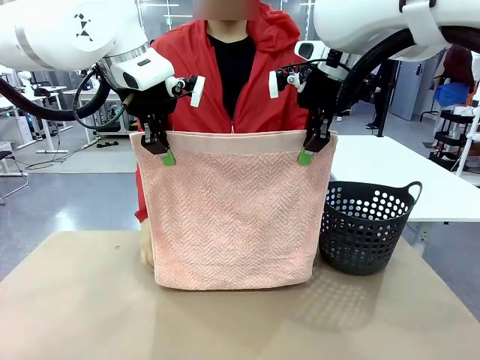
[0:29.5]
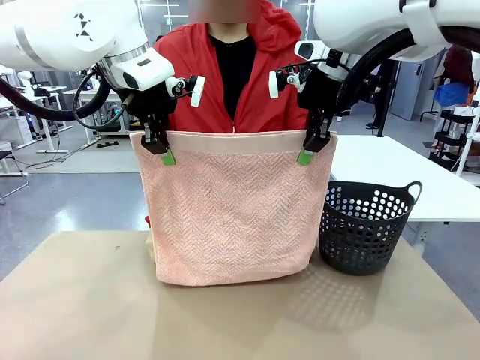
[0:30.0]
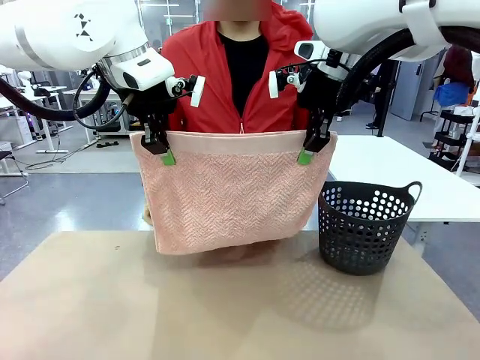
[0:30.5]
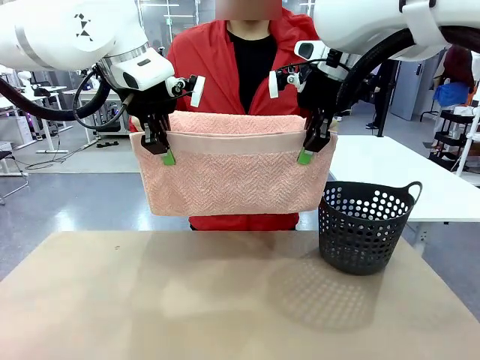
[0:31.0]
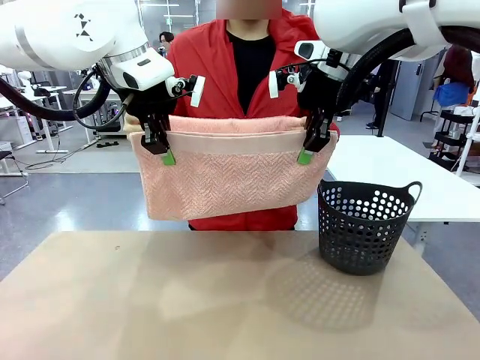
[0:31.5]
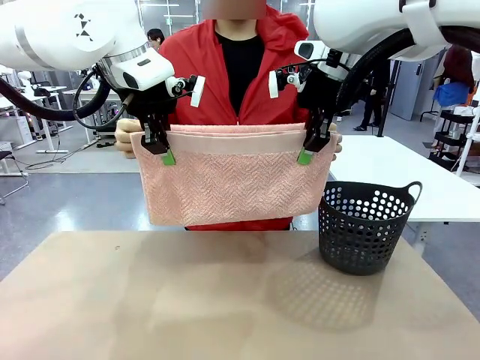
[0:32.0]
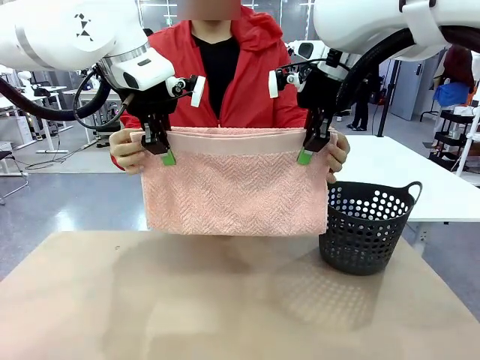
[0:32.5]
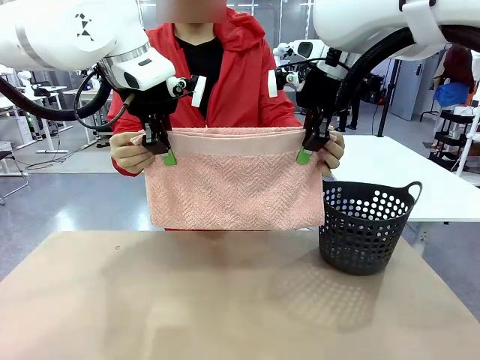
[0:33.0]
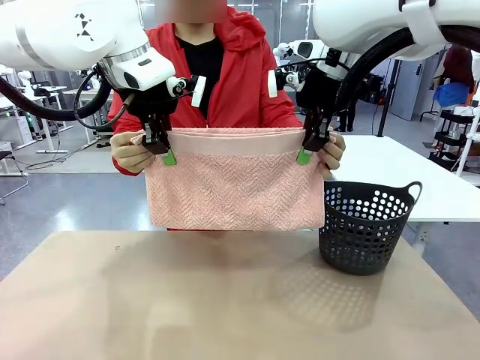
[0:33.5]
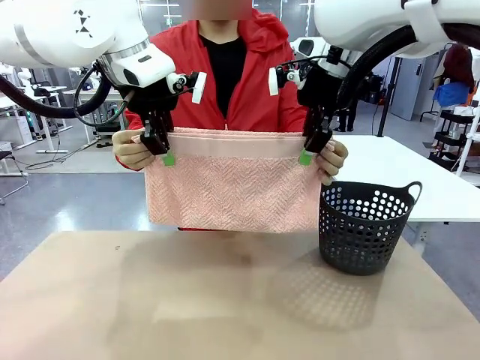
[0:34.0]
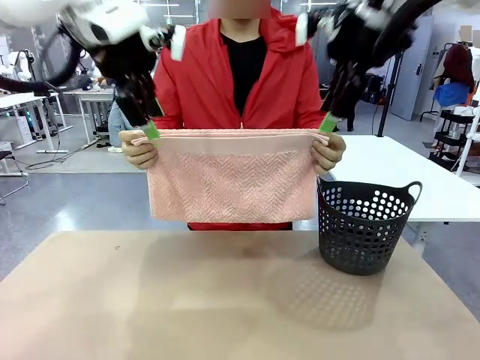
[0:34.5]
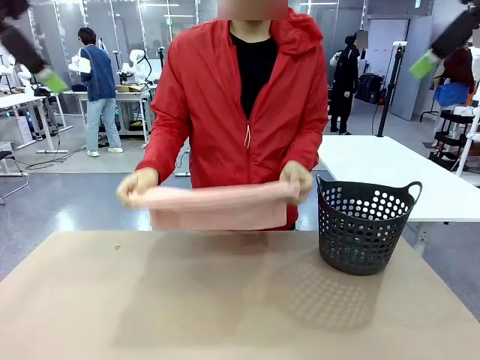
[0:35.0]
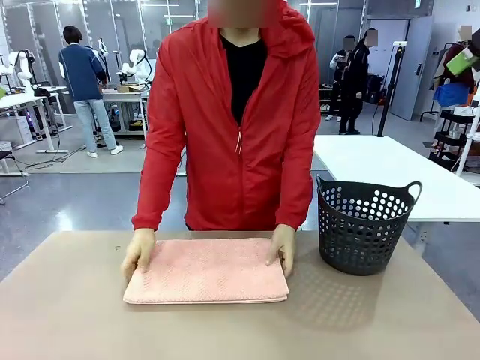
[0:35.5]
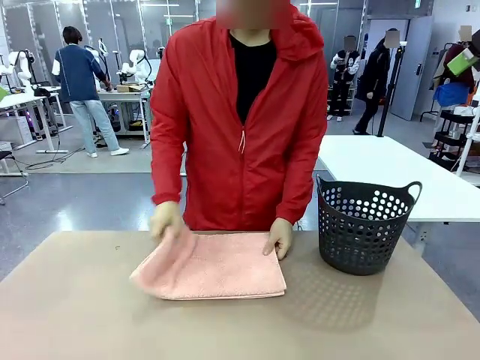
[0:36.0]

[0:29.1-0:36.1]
Task: Fold the towel.
Robot: Release the end of the 100 cm Hotel Towel you were holding.
Person: Place the towel at the center of the robot table and fold it in half.

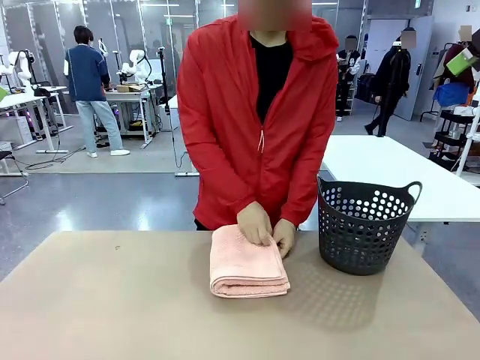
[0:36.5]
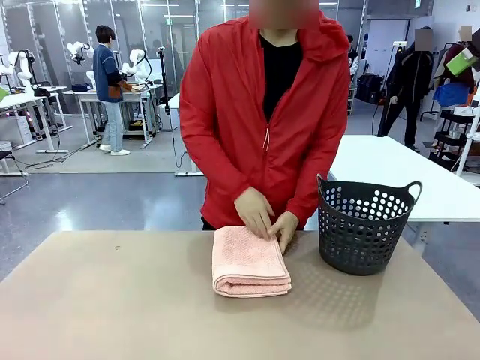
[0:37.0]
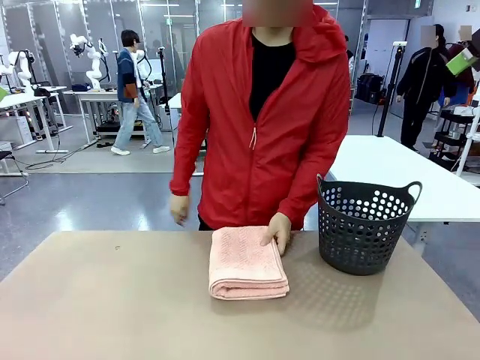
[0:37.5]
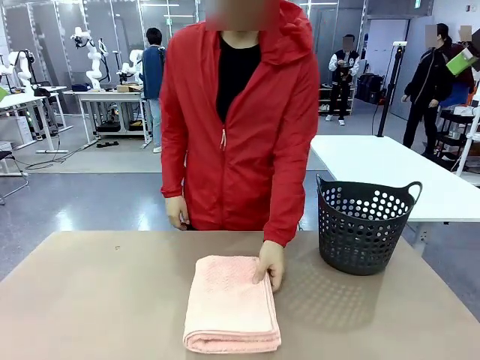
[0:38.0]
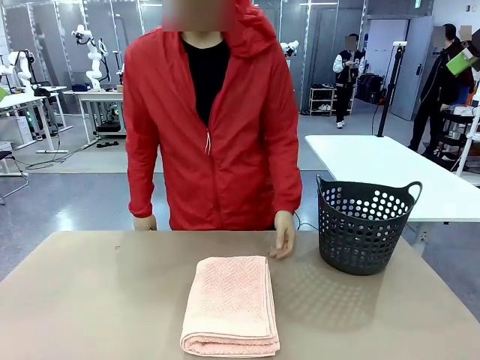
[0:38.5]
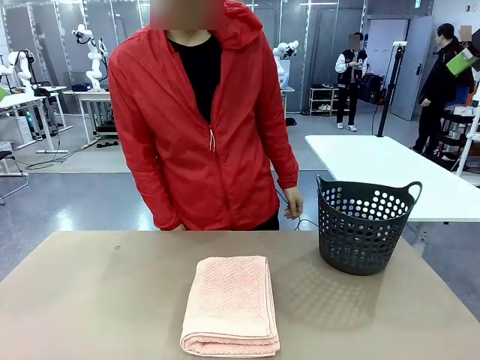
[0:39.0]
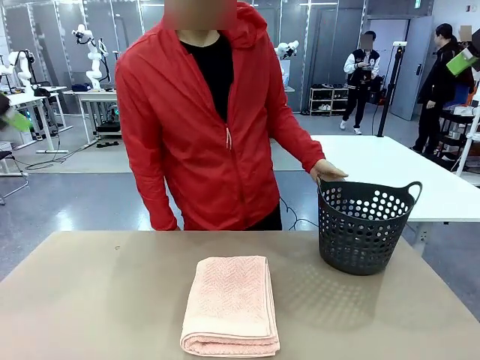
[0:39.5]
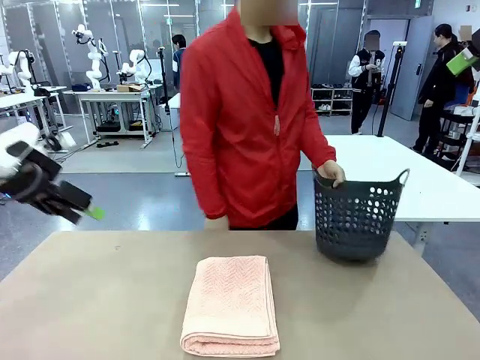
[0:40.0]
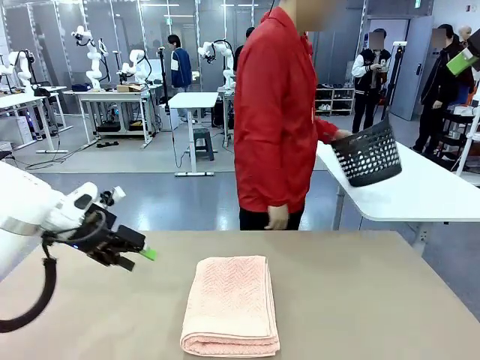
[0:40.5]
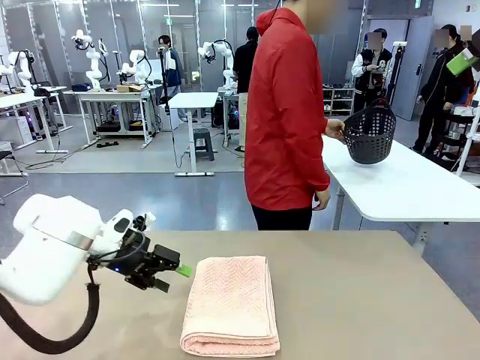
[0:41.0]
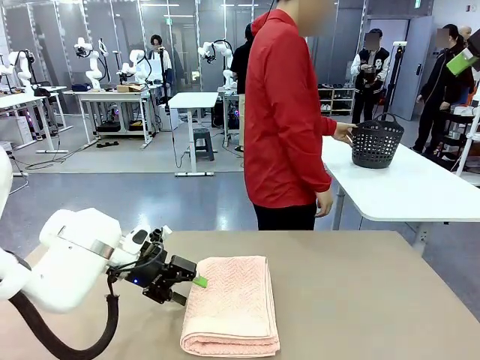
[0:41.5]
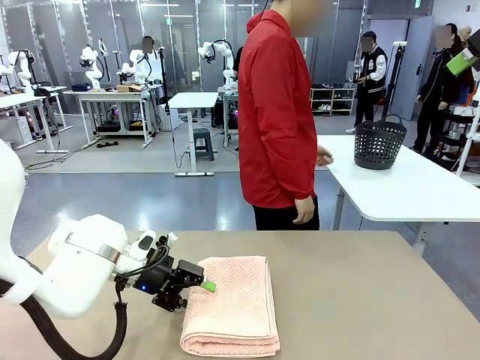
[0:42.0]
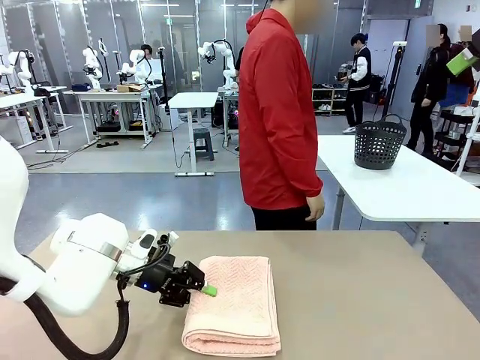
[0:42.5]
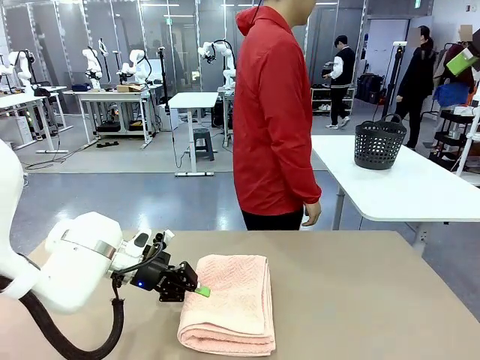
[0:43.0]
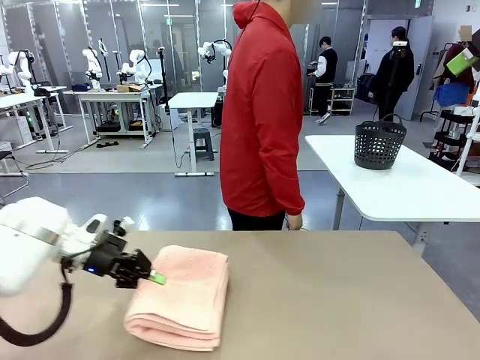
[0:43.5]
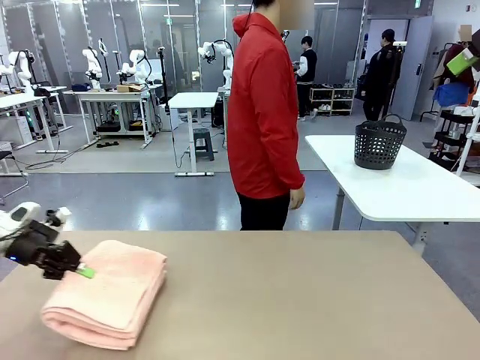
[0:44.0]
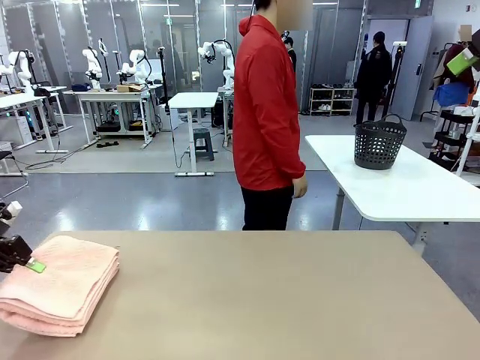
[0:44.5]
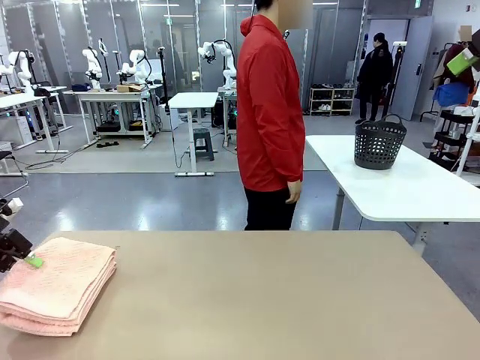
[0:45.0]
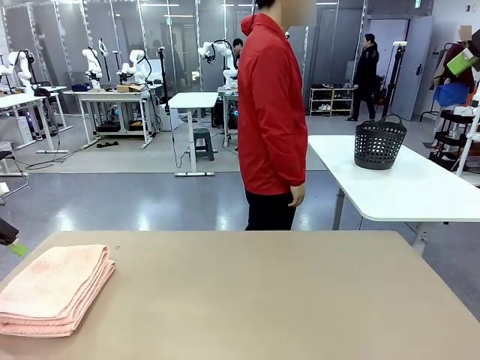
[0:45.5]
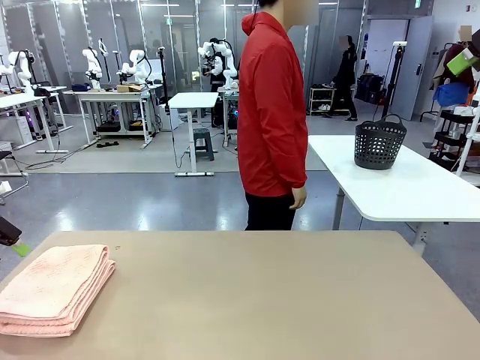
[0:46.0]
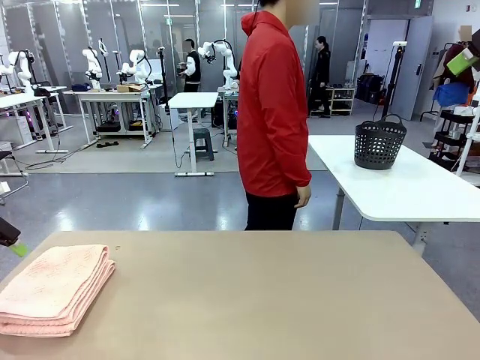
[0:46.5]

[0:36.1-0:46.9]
Robot: Pick up the 100 cm Hotel Towel and place it on the left side of the table.
Person: Pick up the laundry basket and place it at the center of the human table.
